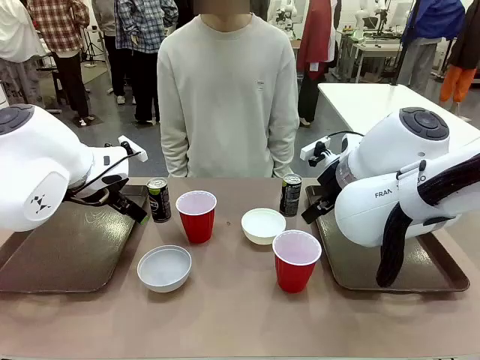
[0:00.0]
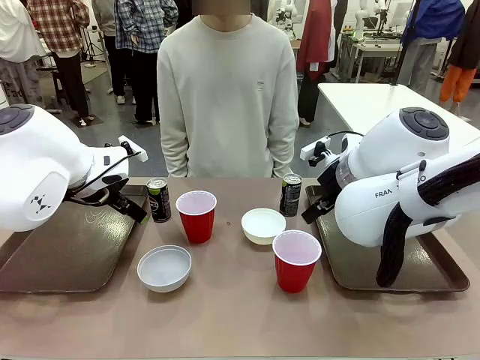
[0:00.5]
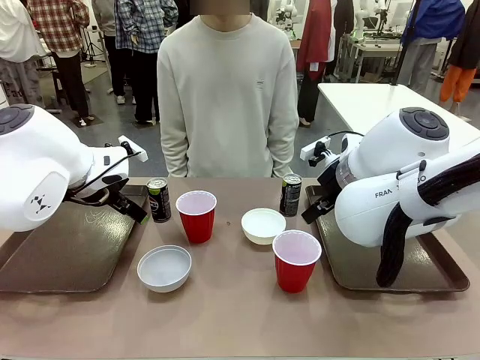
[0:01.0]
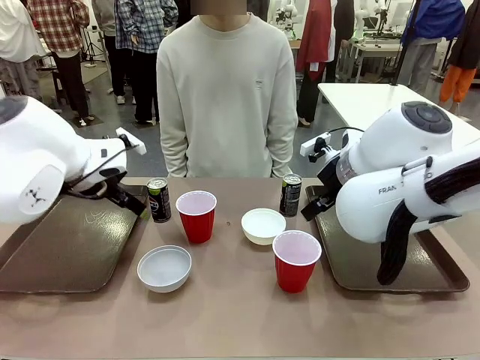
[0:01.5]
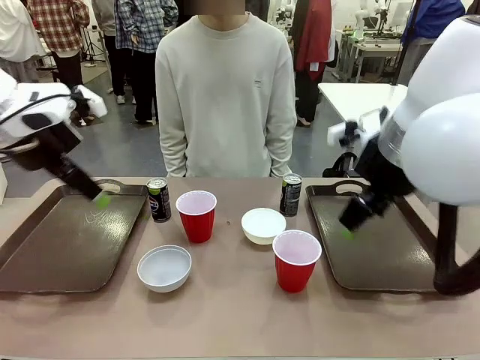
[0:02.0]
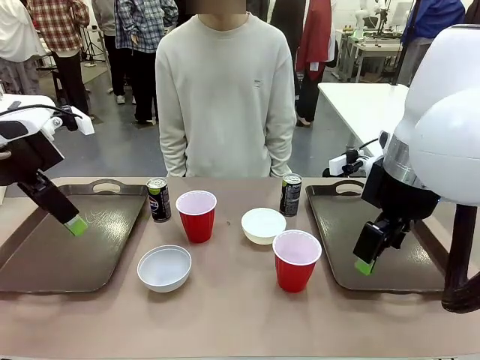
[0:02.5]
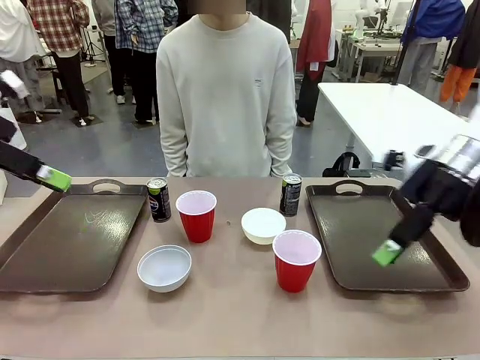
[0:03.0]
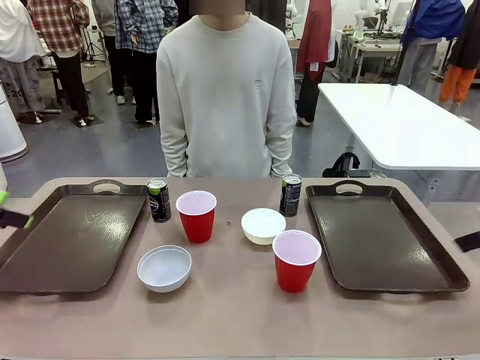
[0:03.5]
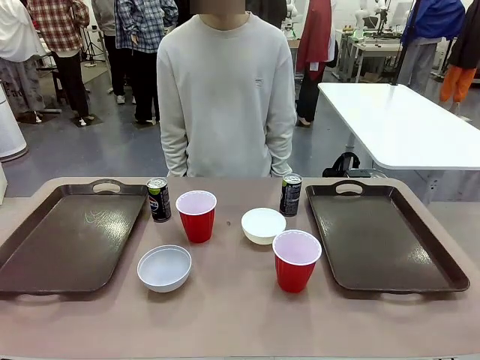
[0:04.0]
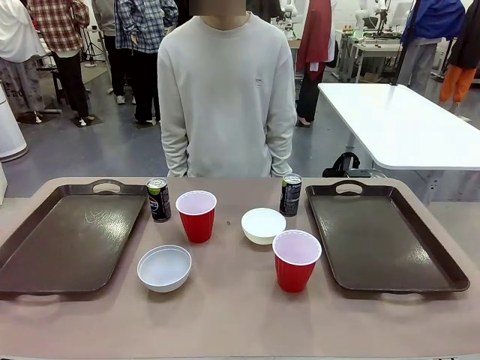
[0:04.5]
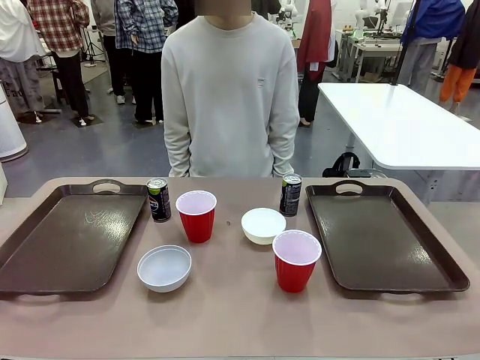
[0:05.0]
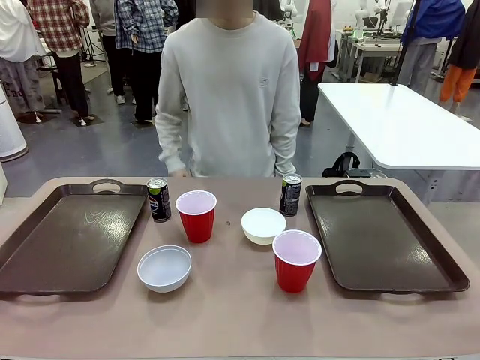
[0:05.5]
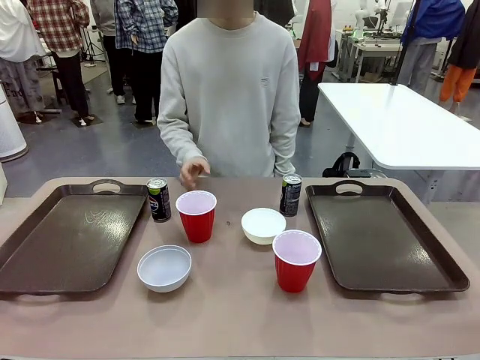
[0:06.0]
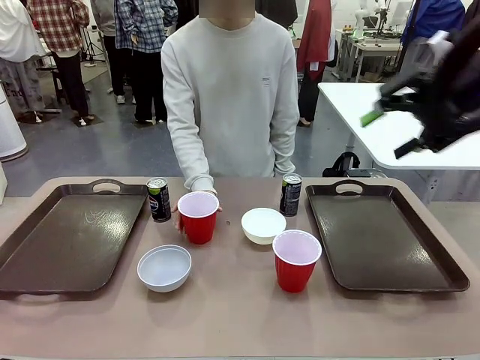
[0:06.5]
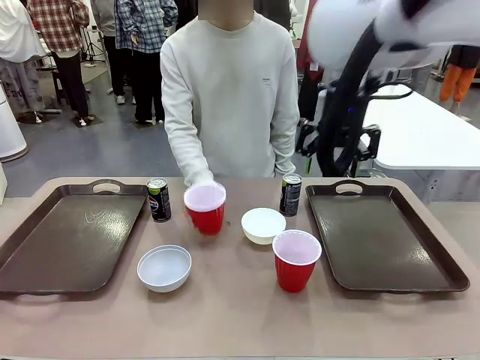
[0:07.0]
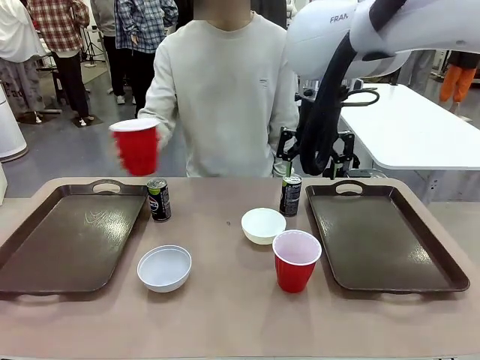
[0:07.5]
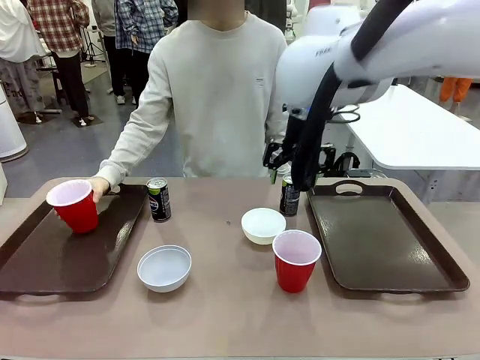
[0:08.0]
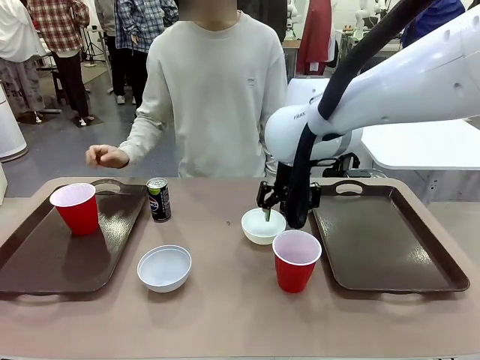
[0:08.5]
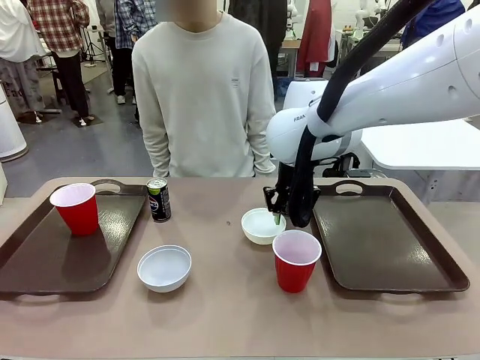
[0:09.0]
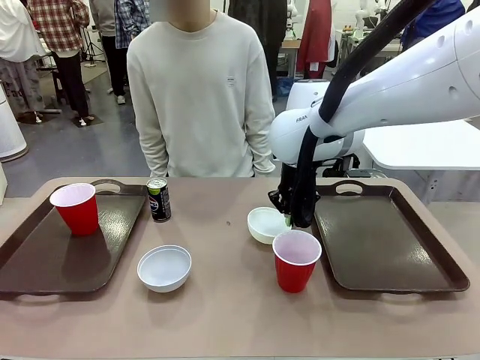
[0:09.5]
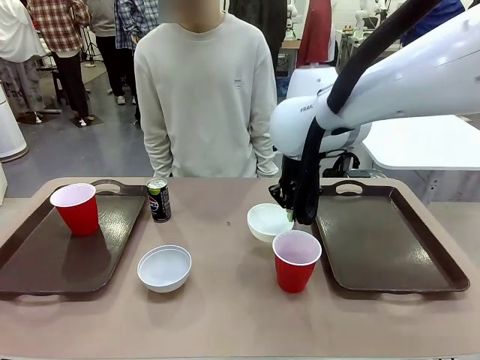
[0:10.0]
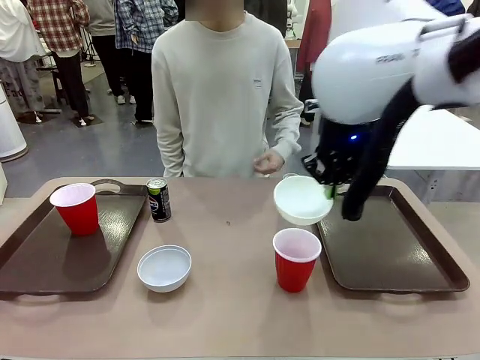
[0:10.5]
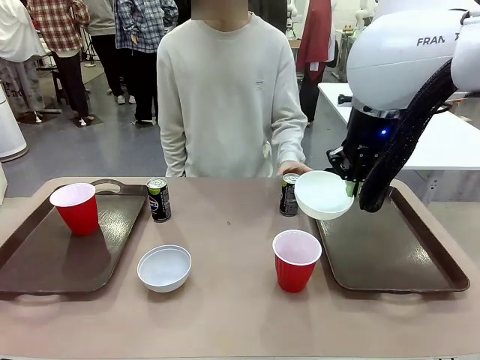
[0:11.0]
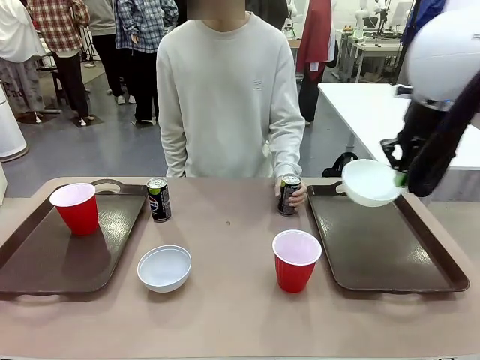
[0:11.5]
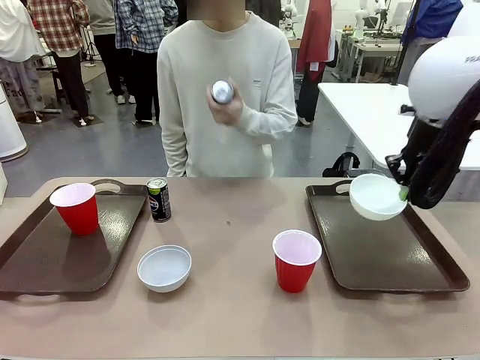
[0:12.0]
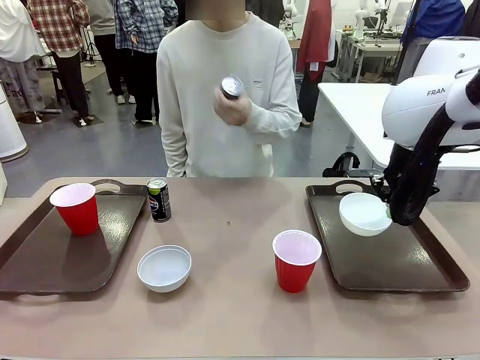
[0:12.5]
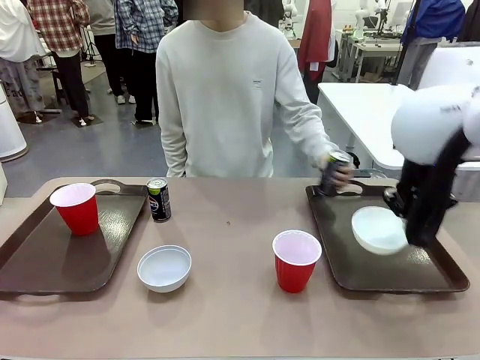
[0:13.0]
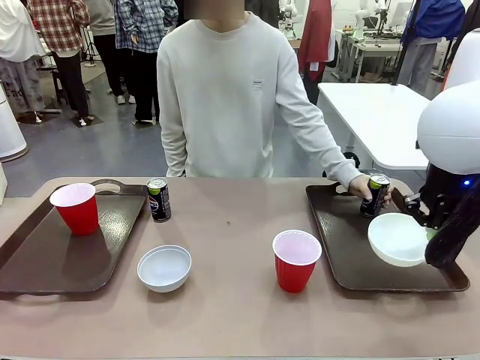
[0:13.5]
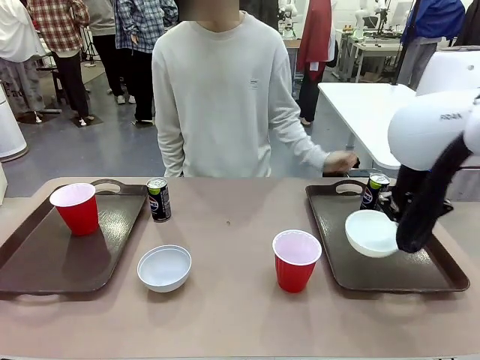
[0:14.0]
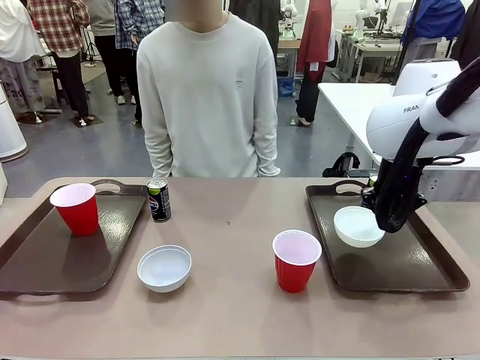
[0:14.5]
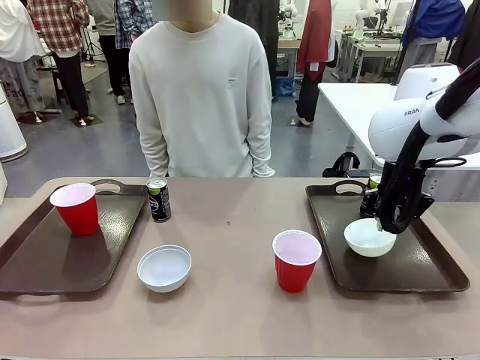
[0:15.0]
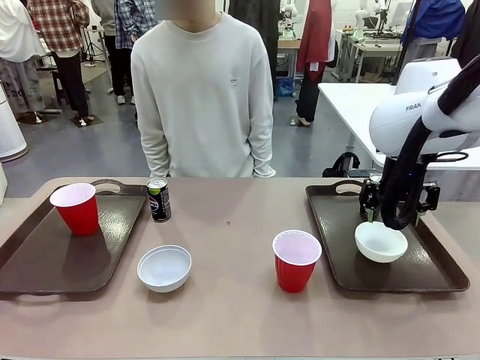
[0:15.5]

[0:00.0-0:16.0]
Task: Prepare tableware on both trays.
Robot: Pick up a Picnic Bowl from the table and place it on a Handle tray.
Person: Pick up a can or cup and place it on the tray.
